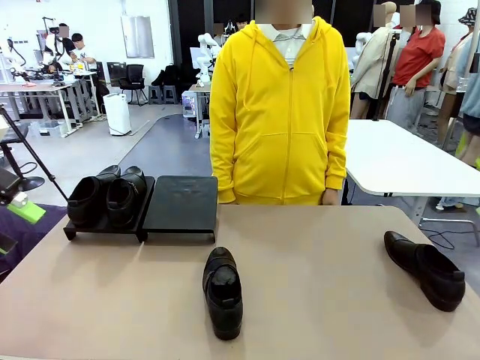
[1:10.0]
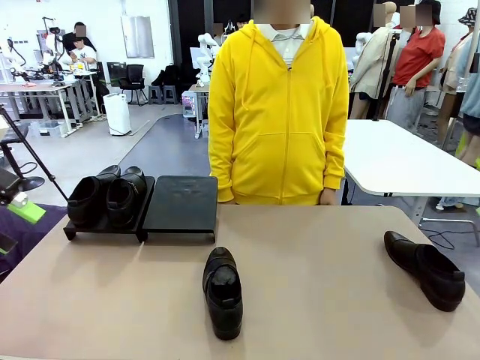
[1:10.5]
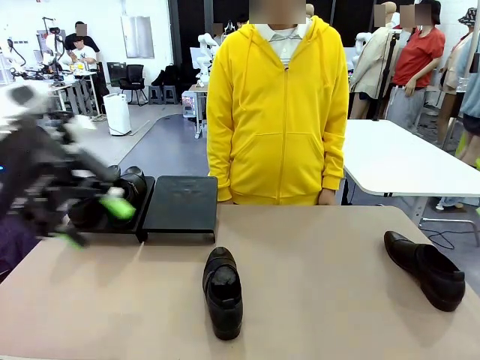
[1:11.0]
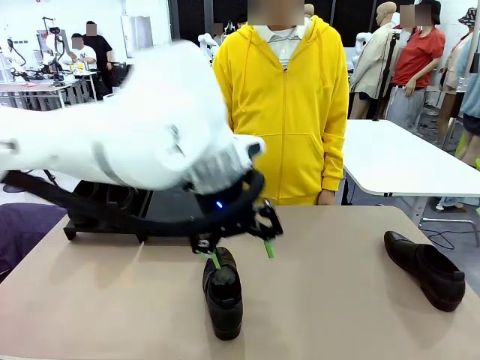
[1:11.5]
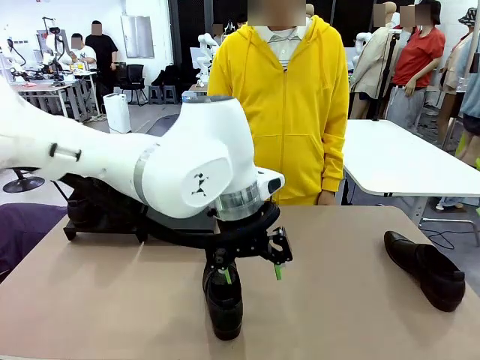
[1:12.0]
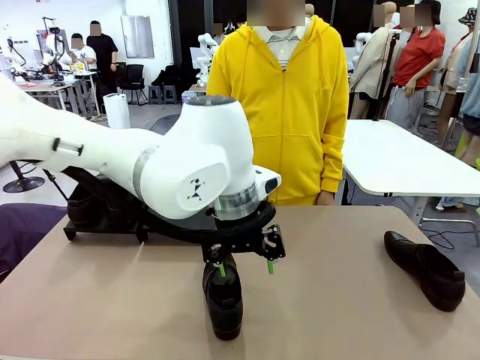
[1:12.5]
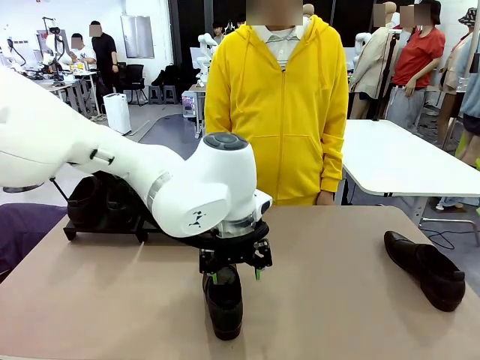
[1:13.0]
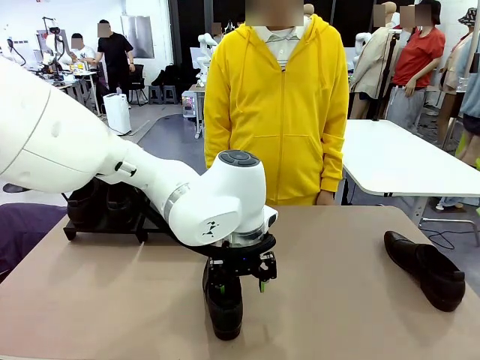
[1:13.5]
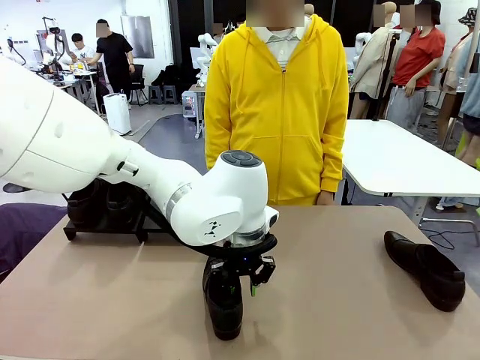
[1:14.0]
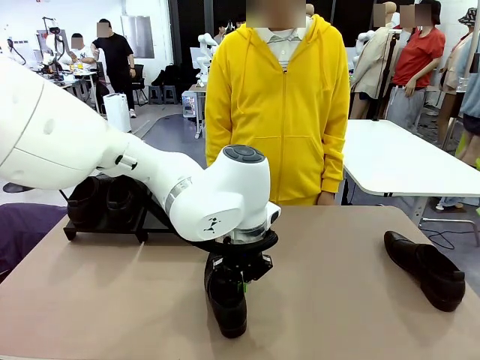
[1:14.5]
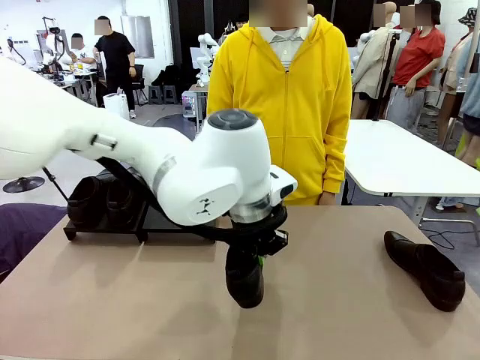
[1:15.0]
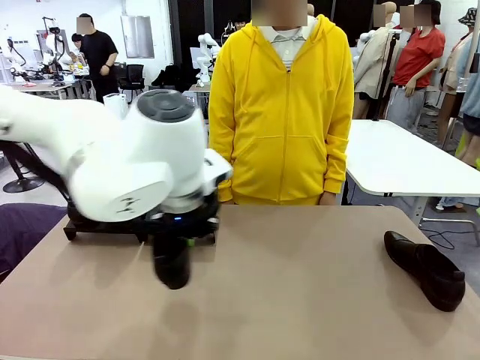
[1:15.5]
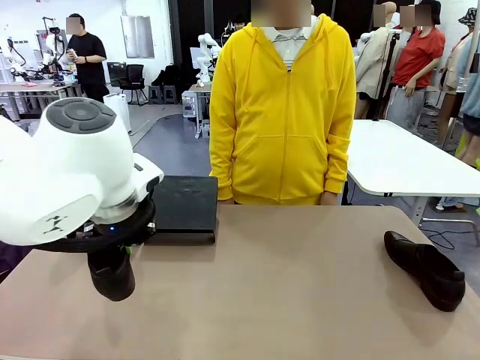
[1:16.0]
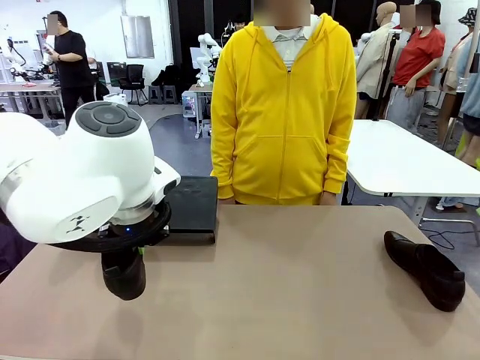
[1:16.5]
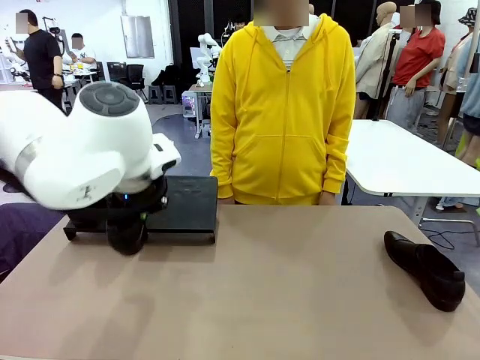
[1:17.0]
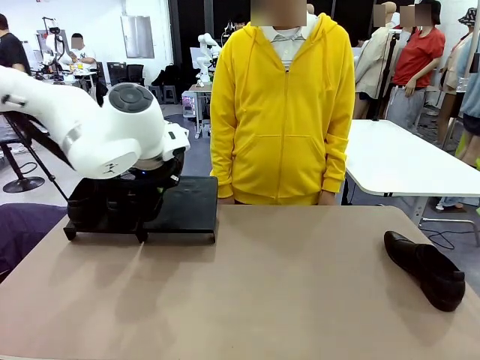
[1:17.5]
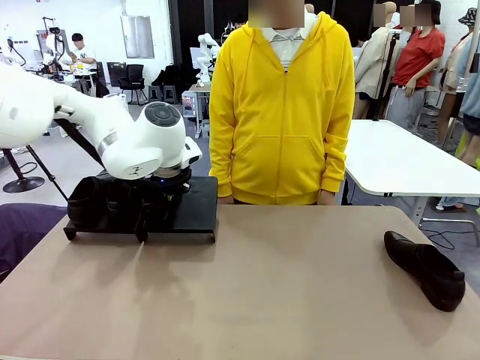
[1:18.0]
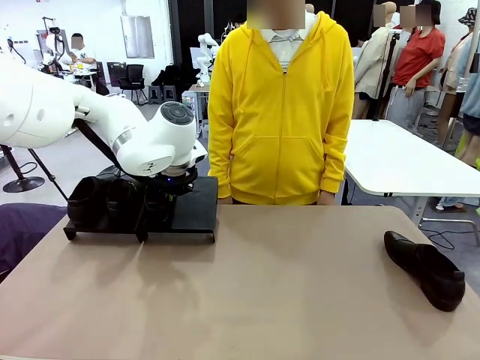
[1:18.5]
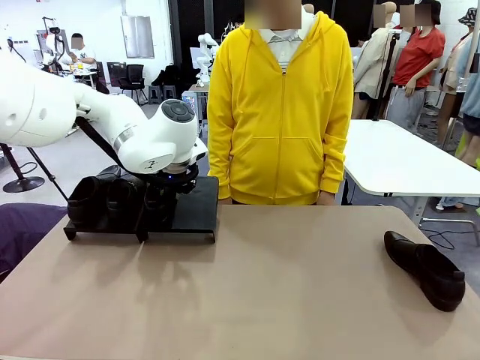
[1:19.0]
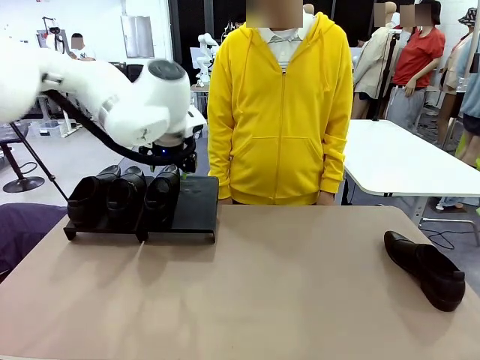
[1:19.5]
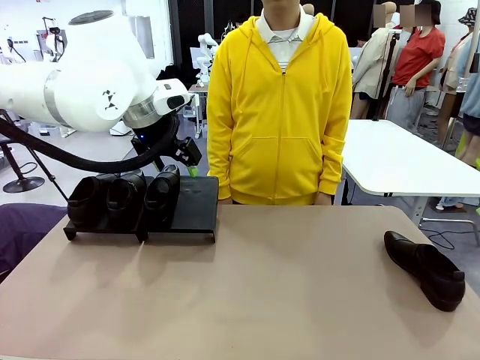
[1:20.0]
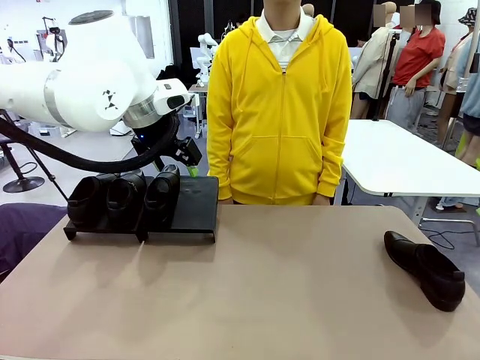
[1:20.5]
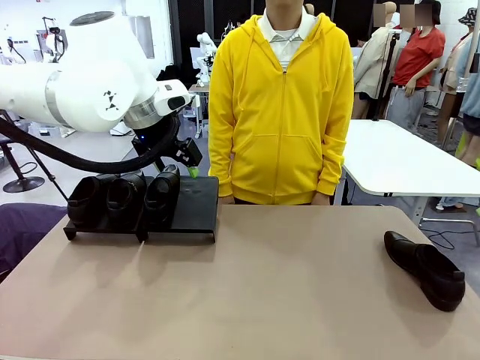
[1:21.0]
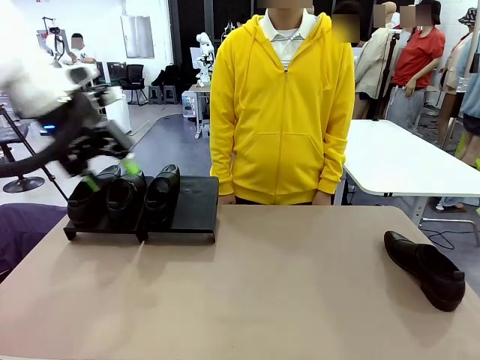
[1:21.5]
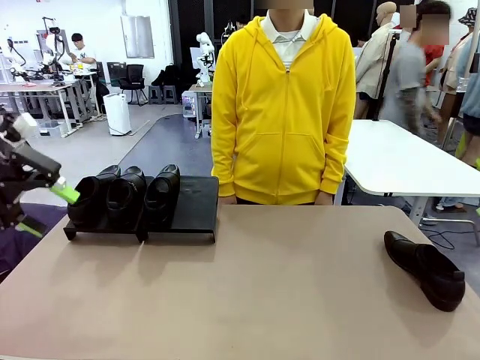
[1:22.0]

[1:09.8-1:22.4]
Task: Organize the shoes by placing them on the stand.
Robot: Place the Shoe from the middle of the table onto the Shoes Stand.

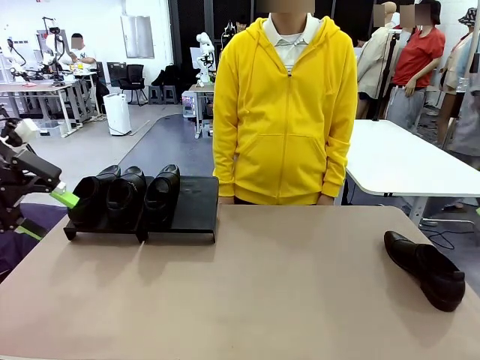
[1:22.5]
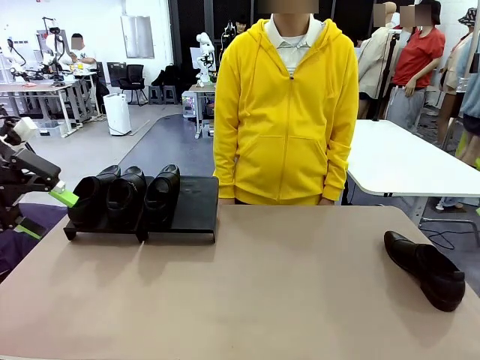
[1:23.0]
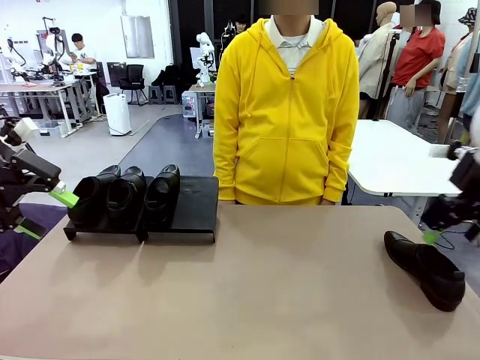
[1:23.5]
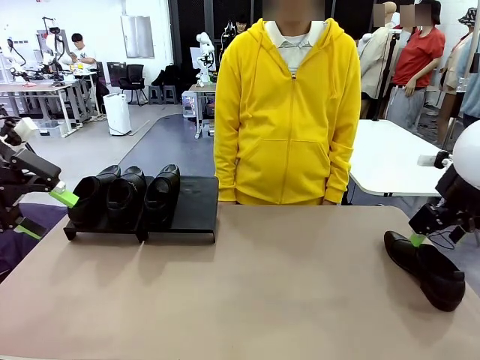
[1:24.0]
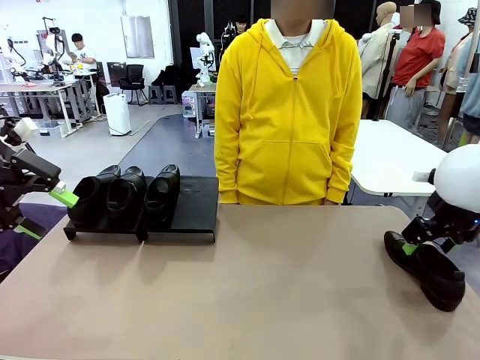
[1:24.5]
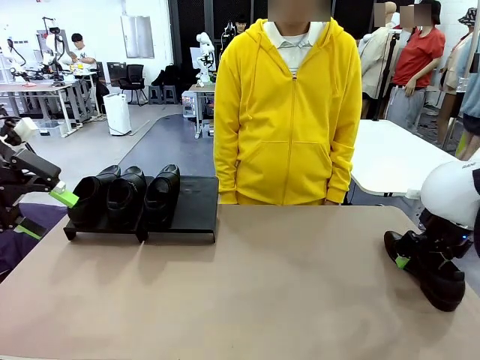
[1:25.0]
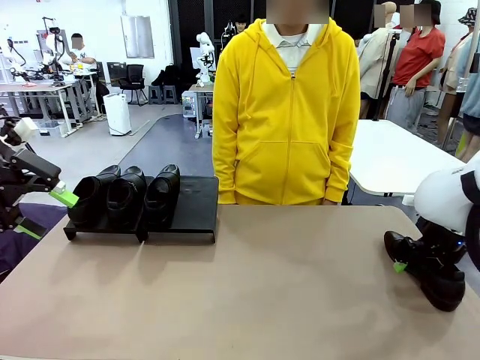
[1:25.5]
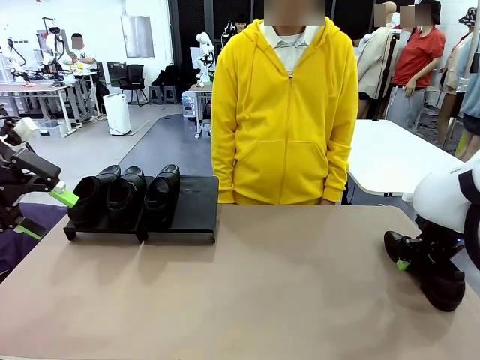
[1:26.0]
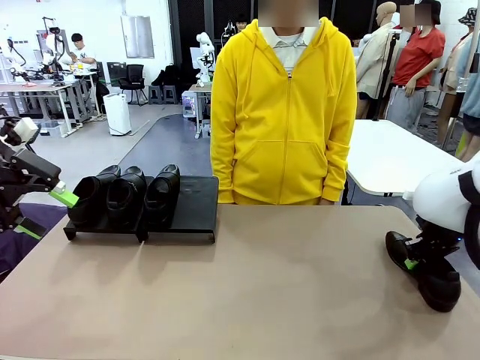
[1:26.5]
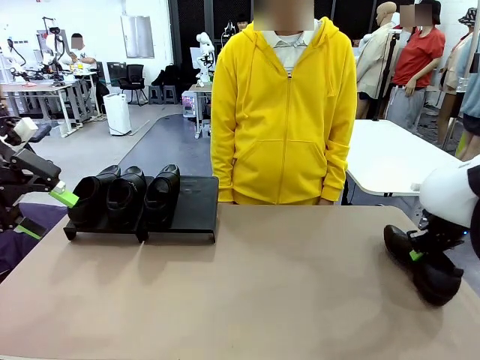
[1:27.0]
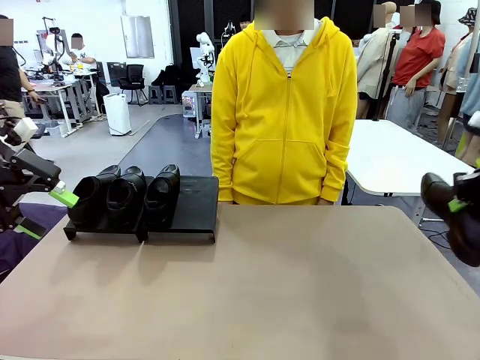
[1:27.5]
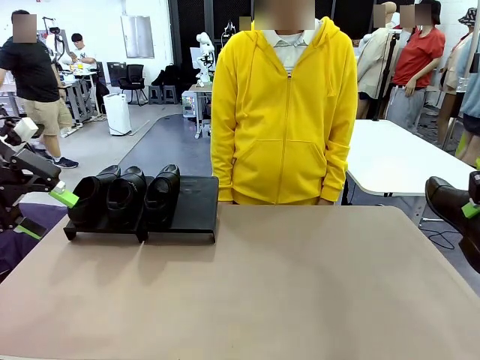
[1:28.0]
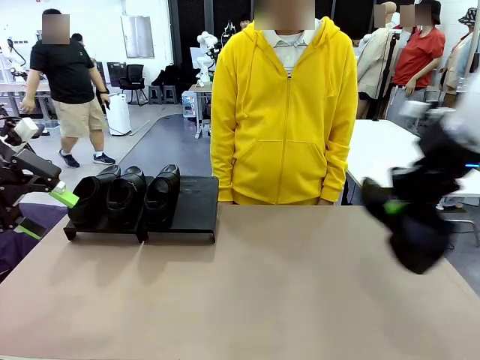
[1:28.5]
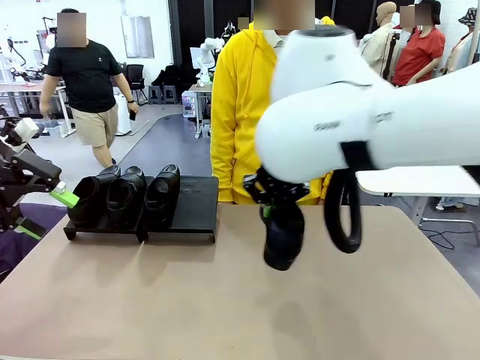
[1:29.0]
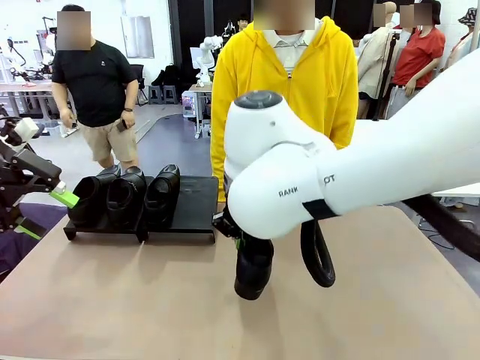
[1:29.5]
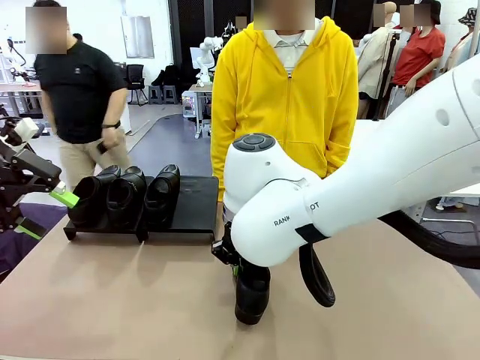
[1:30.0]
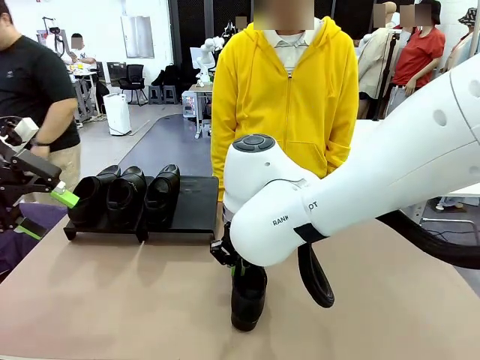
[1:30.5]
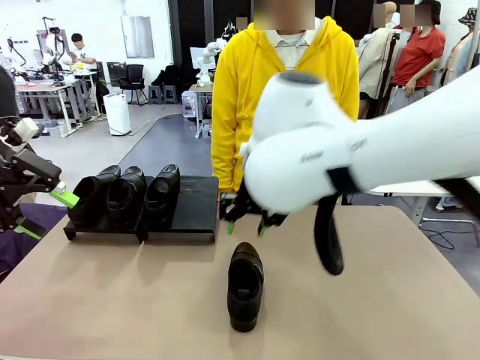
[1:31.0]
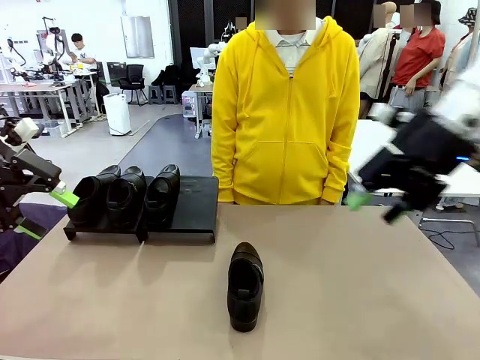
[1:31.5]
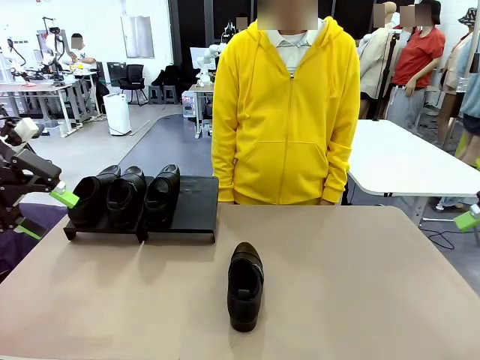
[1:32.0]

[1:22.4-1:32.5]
Robot: Pick up one Shoe and place it in the middle of the table.
